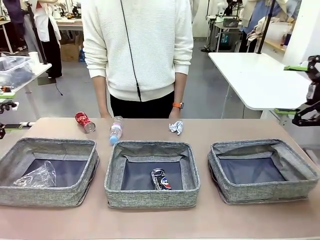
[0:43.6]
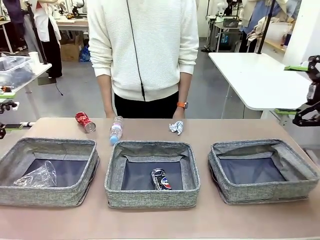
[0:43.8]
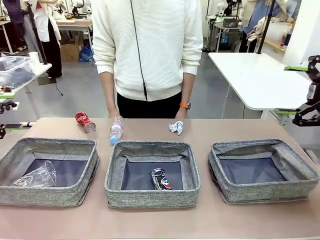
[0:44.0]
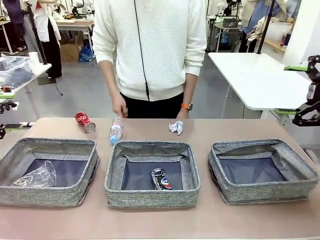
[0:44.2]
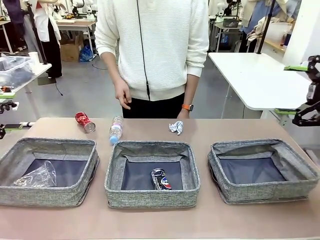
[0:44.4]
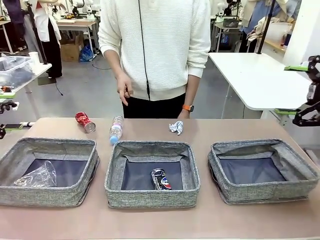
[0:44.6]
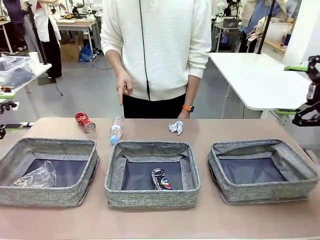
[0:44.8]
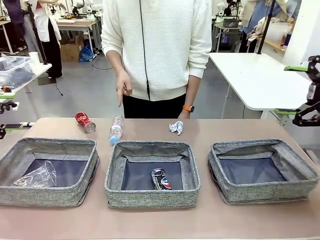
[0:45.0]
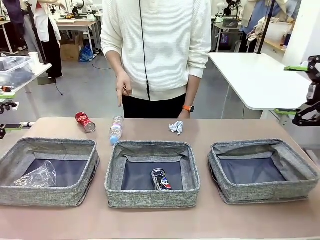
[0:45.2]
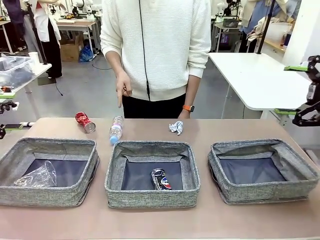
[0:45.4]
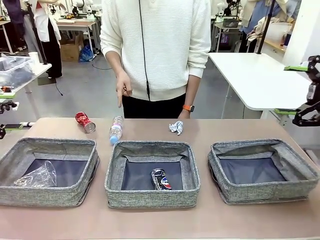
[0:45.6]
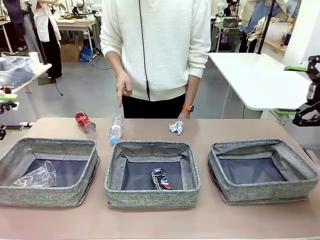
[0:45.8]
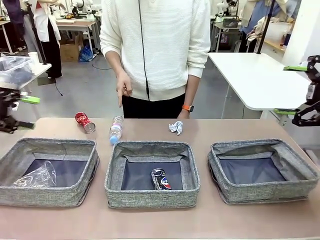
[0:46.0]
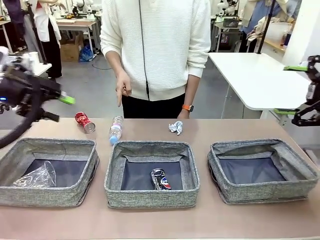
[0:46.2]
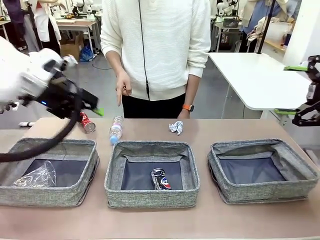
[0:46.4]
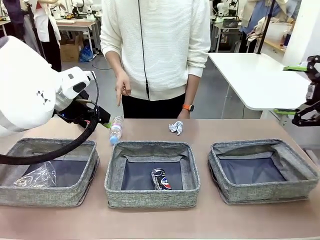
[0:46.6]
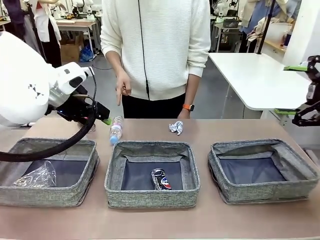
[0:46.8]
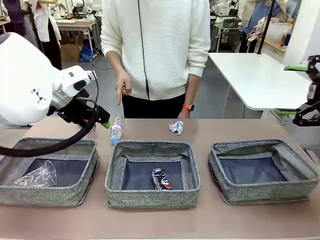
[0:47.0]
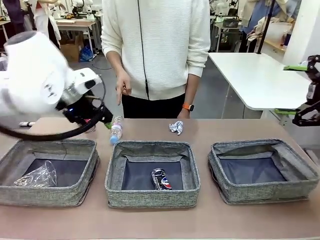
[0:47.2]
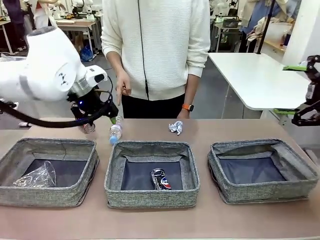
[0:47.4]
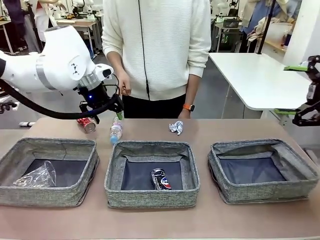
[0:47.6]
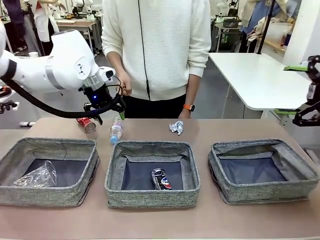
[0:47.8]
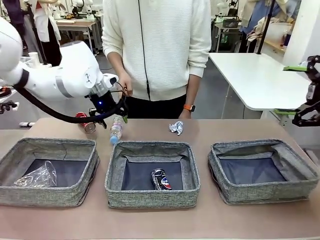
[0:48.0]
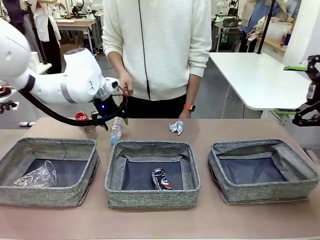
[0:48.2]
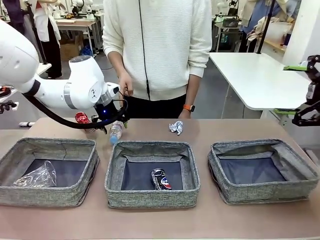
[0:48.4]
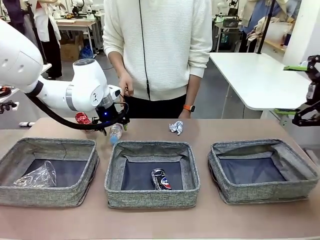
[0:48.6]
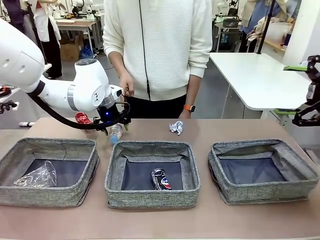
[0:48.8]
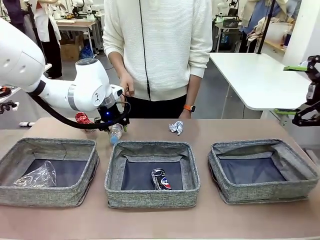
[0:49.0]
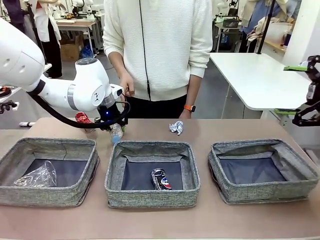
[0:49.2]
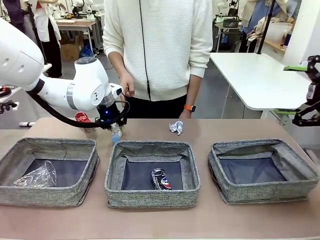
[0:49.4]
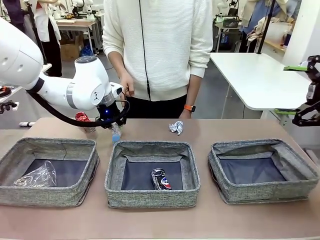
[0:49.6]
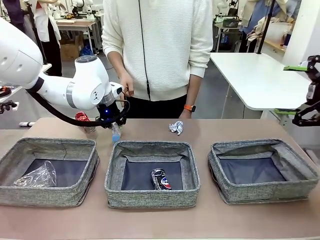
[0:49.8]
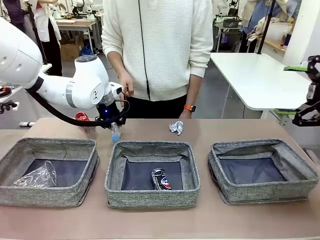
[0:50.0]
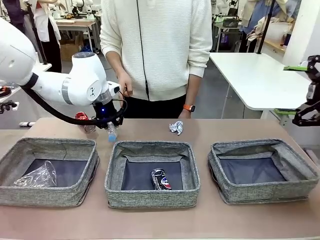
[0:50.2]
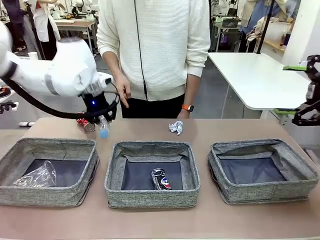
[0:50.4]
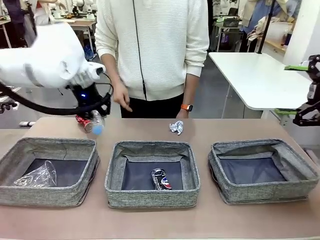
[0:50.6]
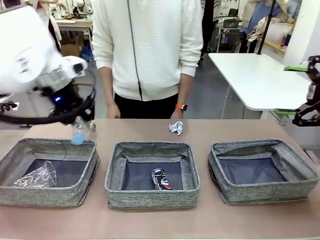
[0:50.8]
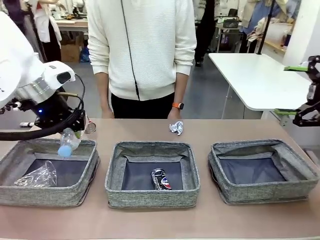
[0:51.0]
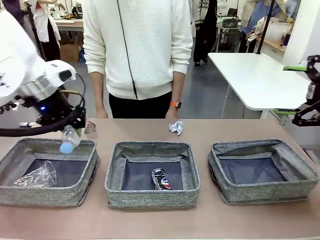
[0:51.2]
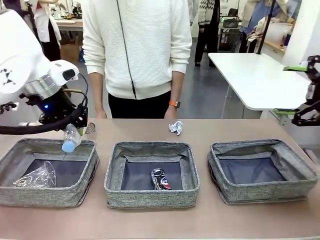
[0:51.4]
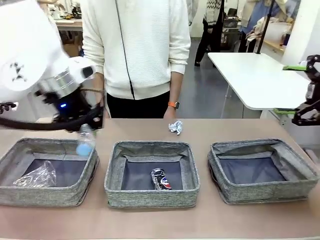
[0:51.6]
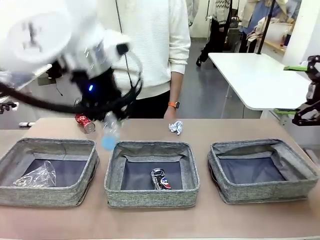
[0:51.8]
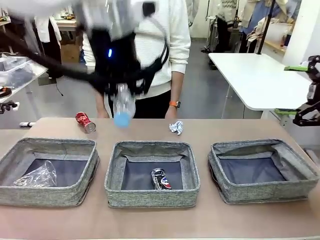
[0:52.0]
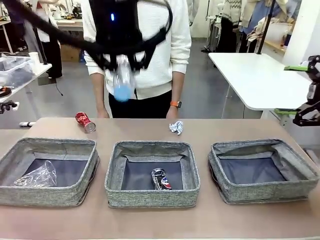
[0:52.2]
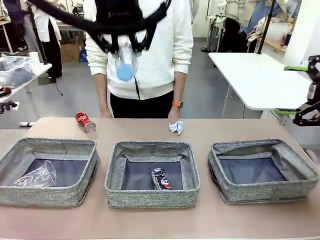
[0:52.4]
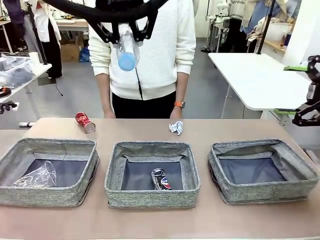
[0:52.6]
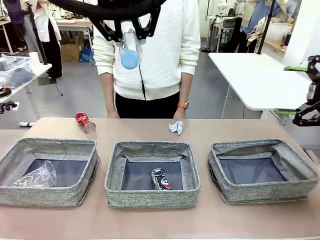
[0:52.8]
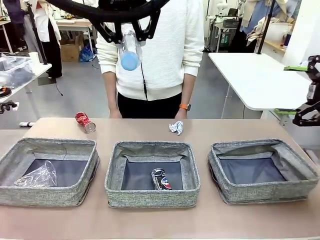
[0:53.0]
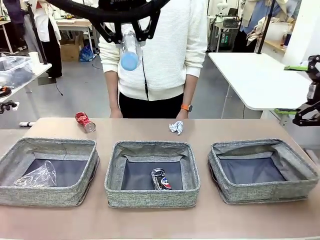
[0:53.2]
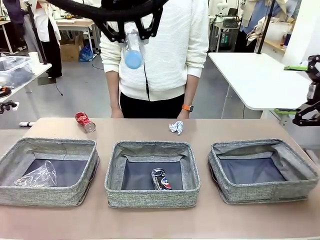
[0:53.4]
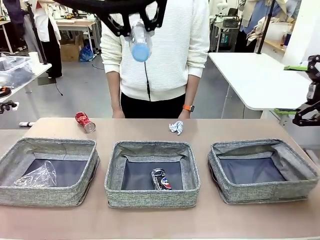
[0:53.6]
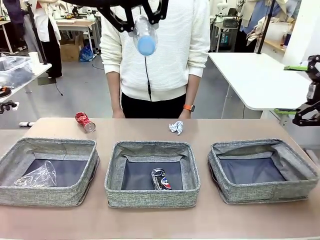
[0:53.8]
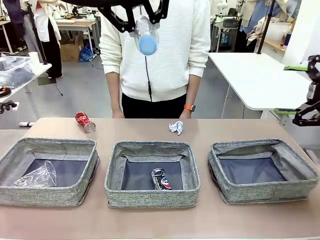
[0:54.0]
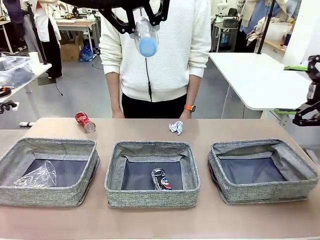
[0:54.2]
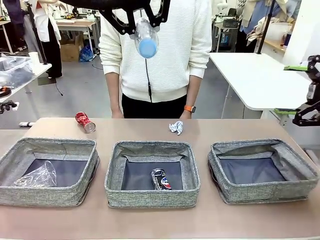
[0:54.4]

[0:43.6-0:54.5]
Task: Sort the waste into the appropriate baskets.
Robot: Pick up the waste item pointed out by the person.
Person: Points to one piece of trash on the table.

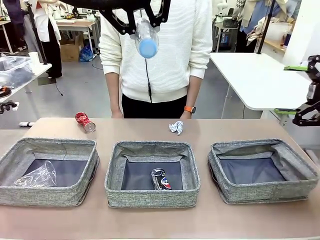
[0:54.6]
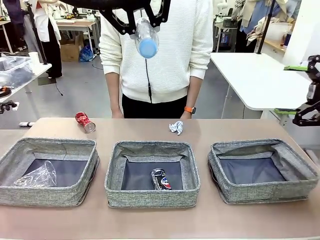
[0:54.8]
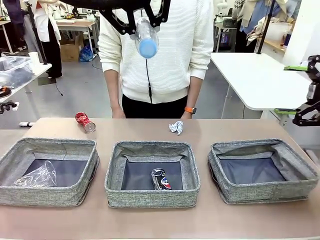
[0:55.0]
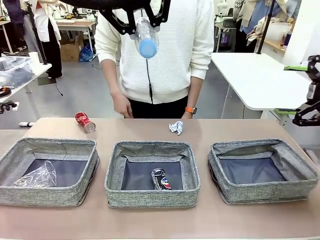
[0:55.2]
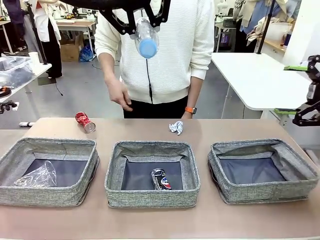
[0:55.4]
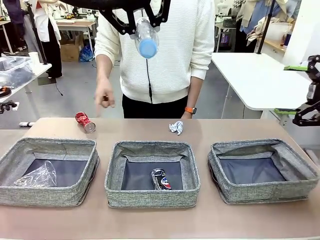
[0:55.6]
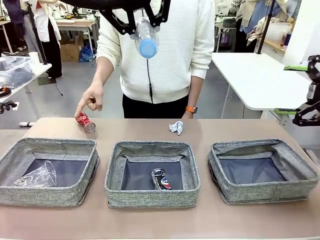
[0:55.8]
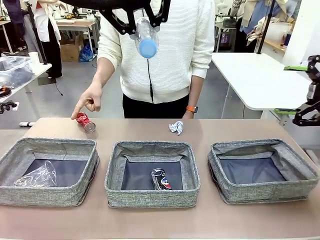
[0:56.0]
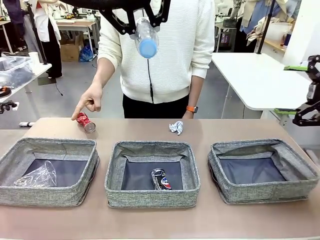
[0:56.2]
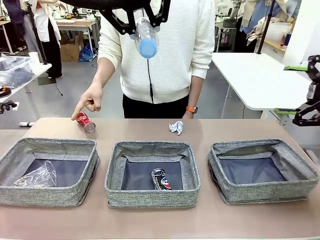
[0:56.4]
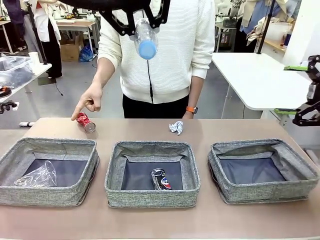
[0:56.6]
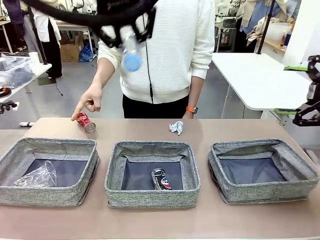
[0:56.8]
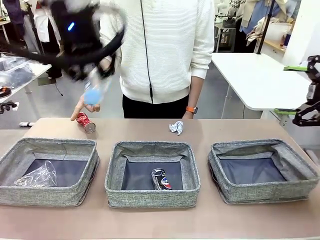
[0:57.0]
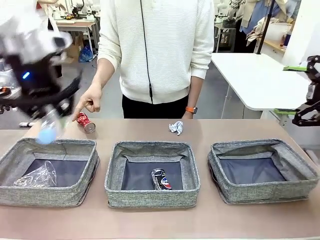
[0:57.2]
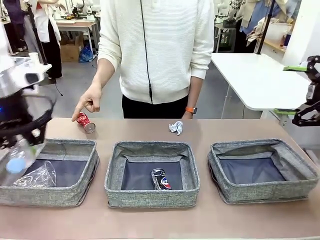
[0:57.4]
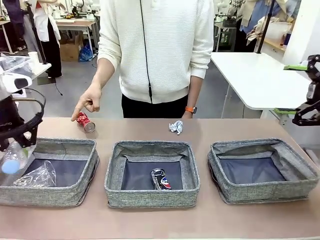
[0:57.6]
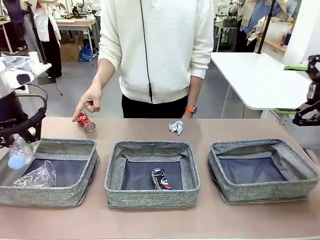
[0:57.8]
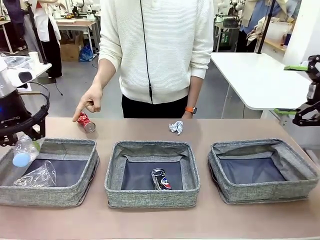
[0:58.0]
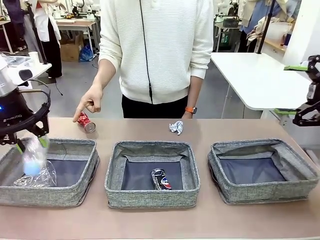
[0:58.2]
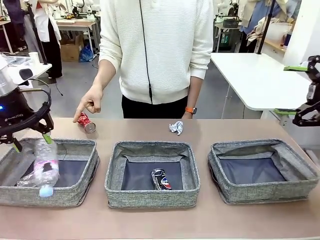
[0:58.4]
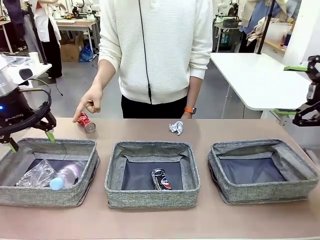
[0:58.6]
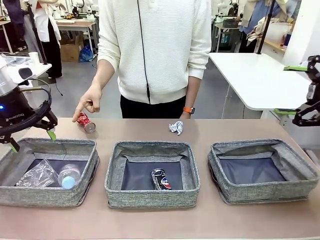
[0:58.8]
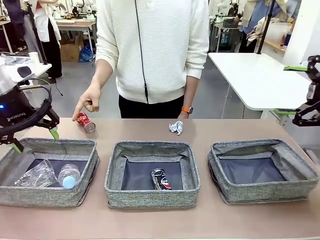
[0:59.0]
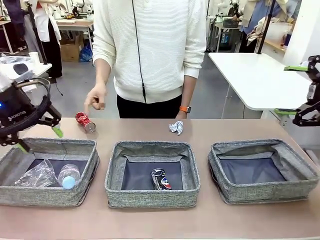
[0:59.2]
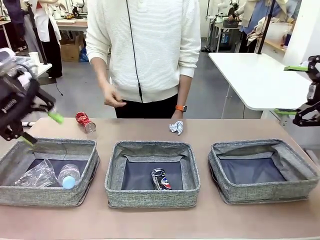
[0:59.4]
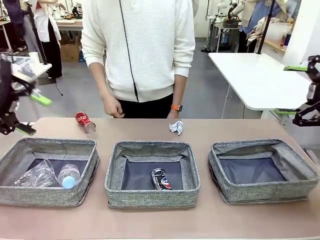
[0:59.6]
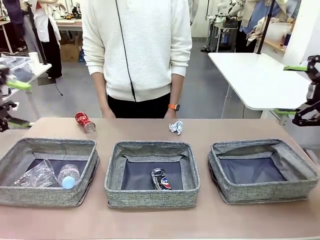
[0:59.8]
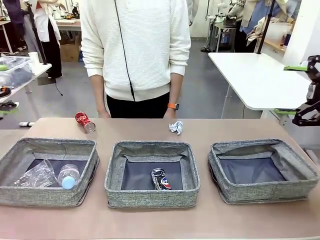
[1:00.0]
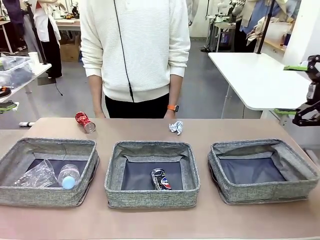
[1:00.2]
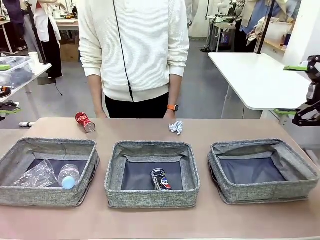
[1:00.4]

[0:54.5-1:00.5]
Robot: Place the picked waste into the Fabric basket indicated by the person.
Person: Instructs the robot to place the picked-up trash into the appropriate organizing basket.
